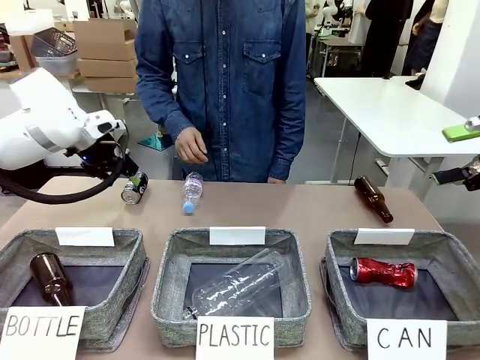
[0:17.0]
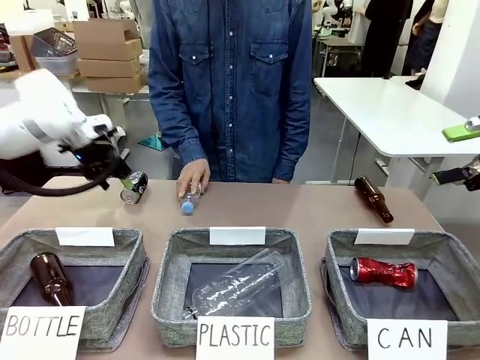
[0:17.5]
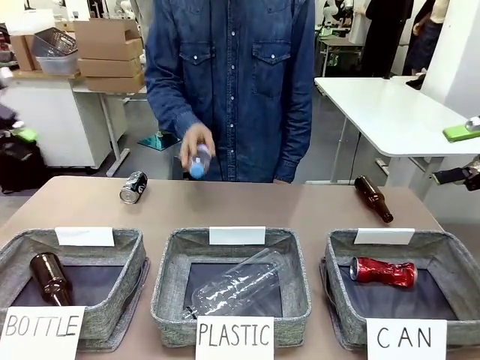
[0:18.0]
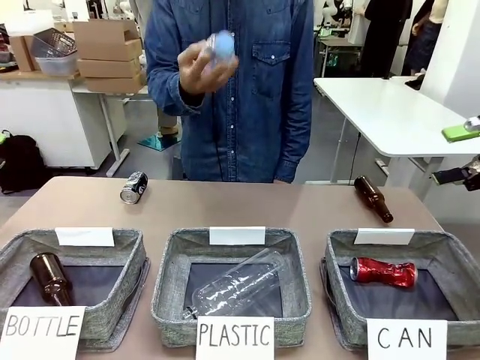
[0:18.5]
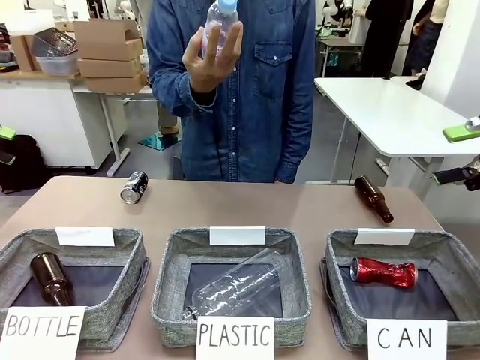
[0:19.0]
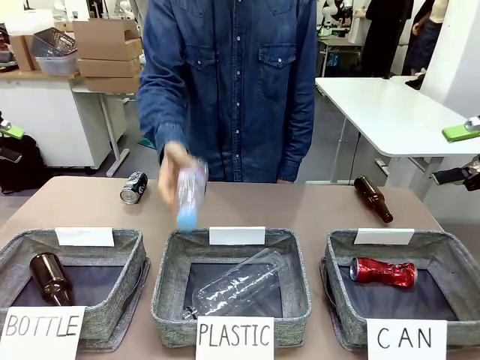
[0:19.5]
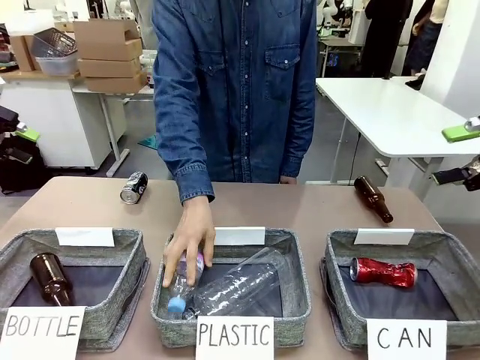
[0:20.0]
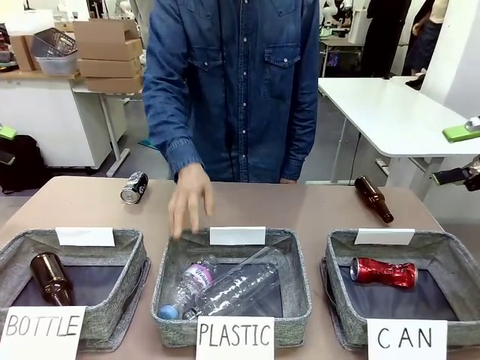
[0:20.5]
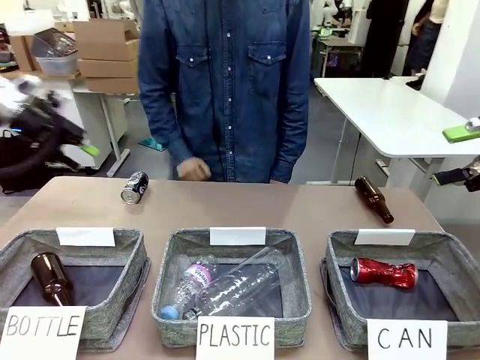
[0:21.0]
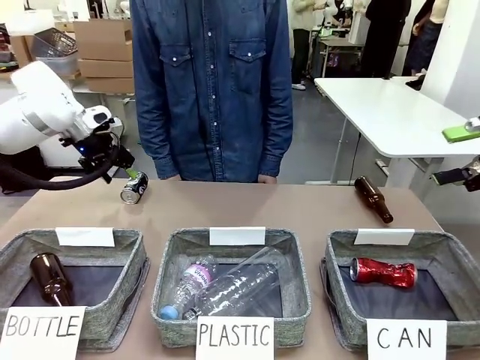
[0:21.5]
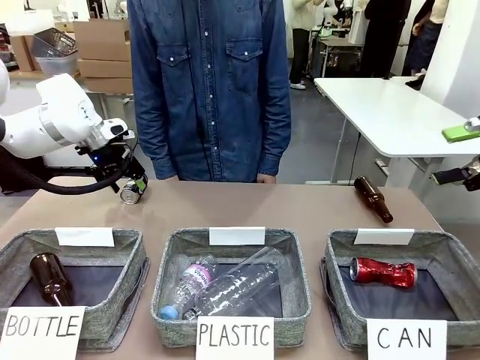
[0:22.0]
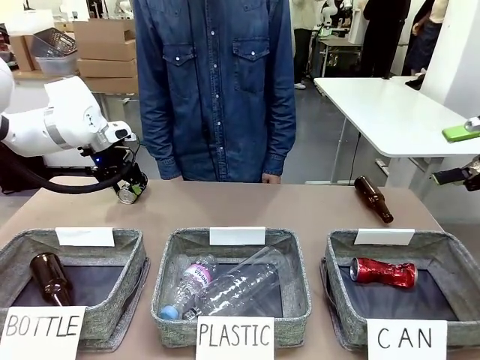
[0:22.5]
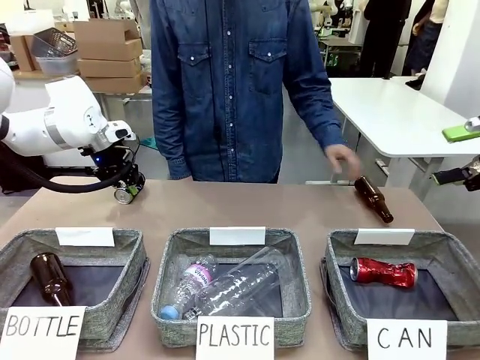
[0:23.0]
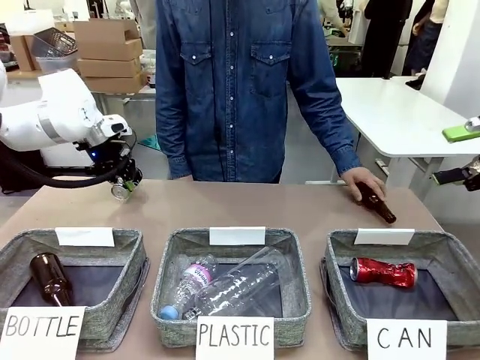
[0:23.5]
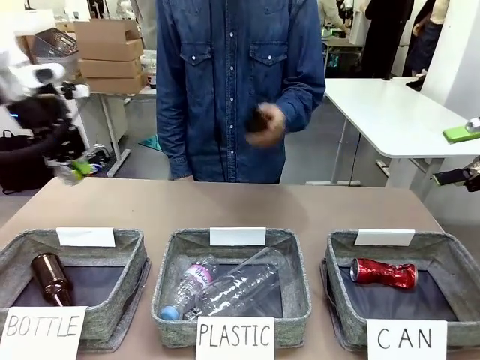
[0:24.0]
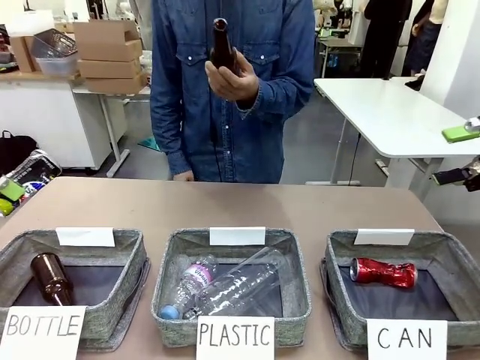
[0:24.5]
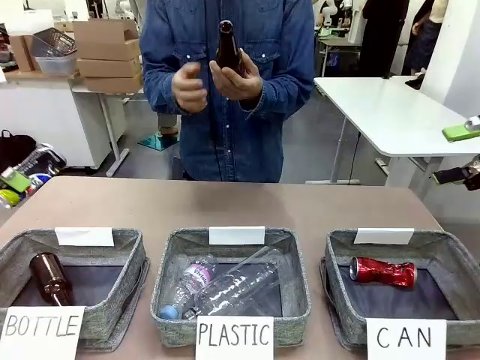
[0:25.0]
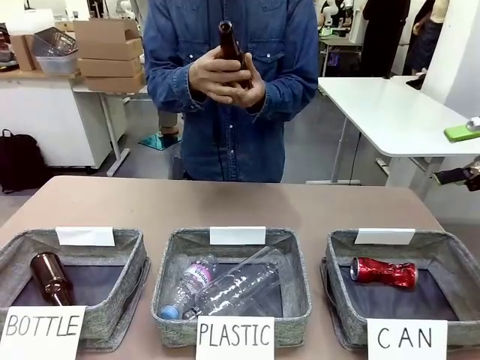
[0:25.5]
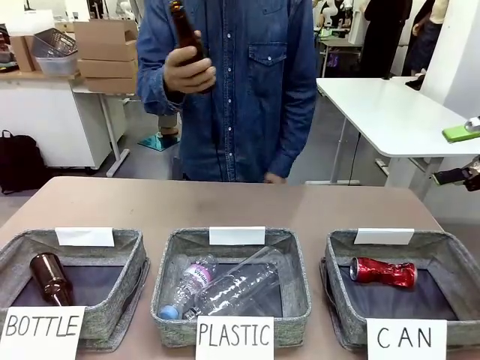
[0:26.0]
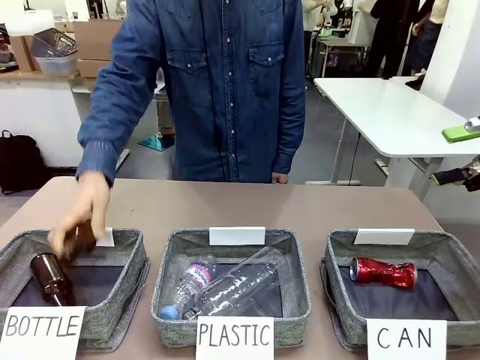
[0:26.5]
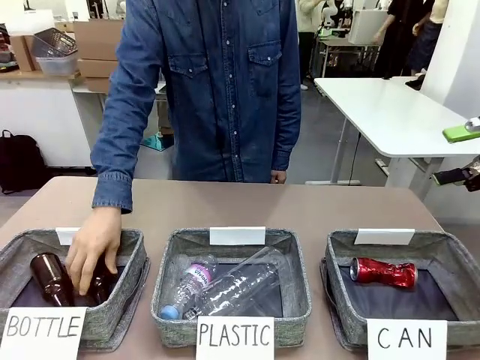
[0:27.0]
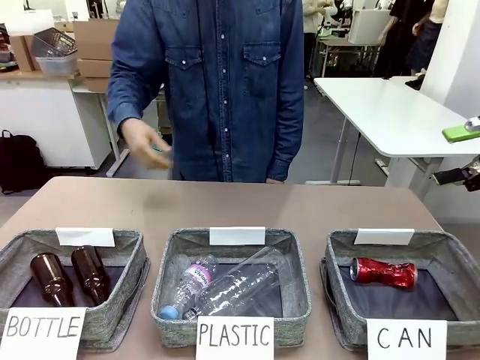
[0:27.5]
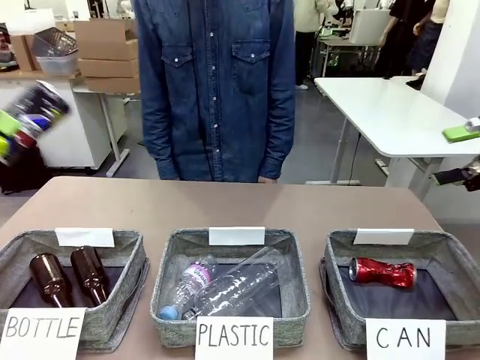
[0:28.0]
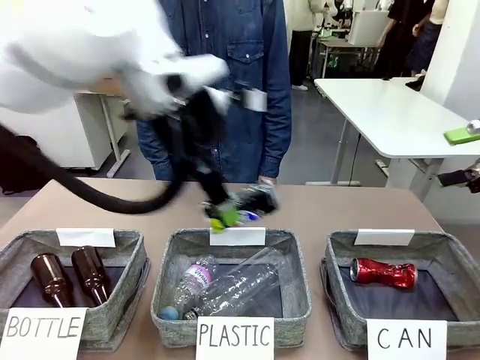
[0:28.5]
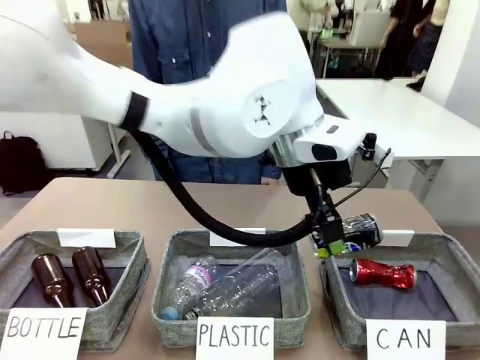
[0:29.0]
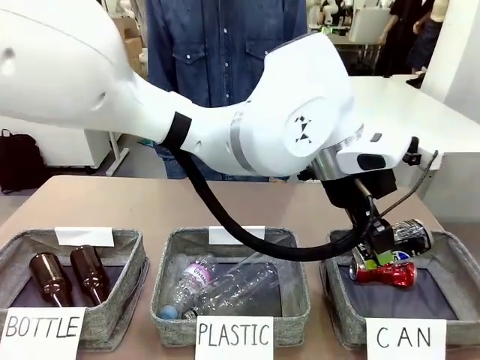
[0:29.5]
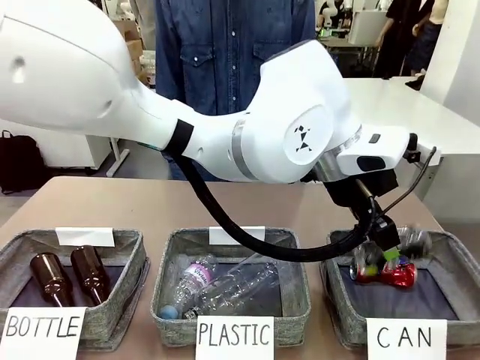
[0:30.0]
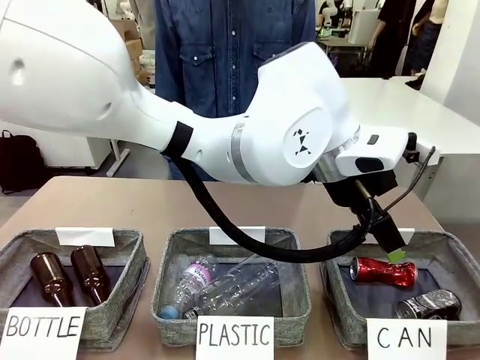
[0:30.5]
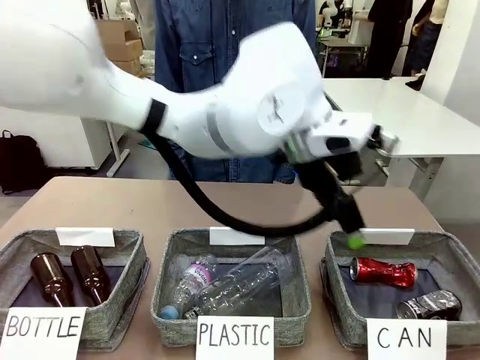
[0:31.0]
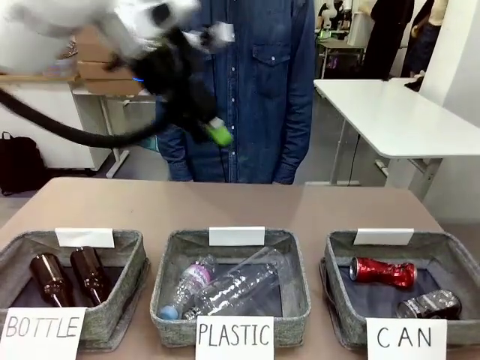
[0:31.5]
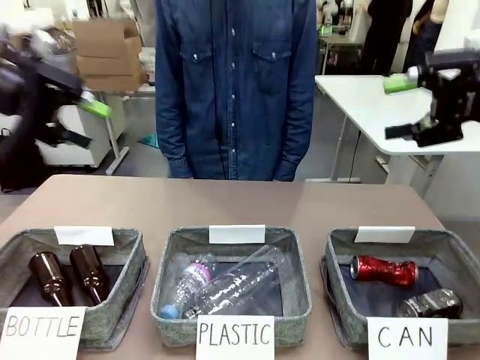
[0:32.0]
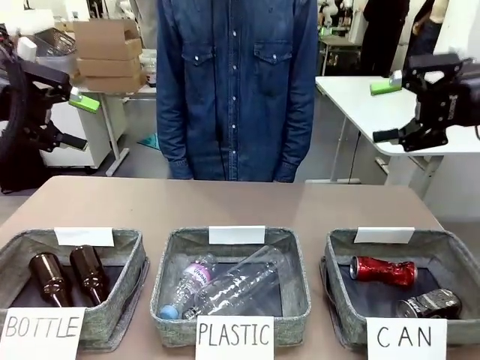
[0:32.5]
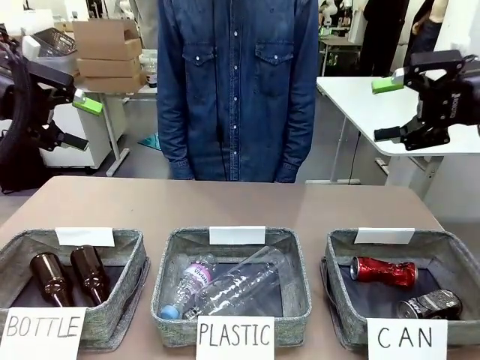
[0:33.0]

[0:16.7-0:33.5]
Task: Sort the can waste into the basket.
Robot: Pick up the can waste from the table and place it in the right Fabric basket.
Person: The human picks up one piece of trash that is not a can and places the trash into the appropriate organizing basket.

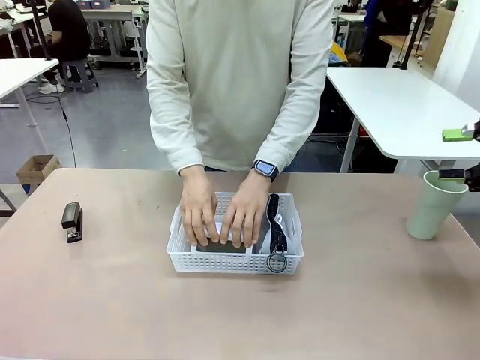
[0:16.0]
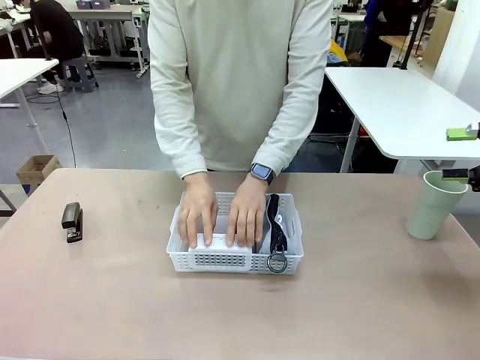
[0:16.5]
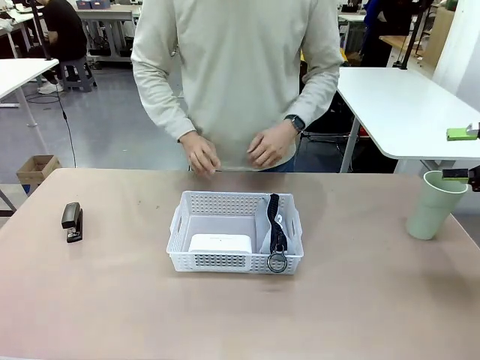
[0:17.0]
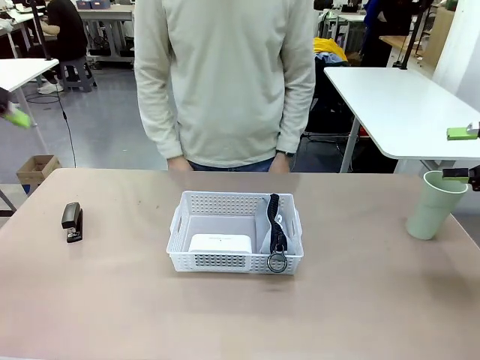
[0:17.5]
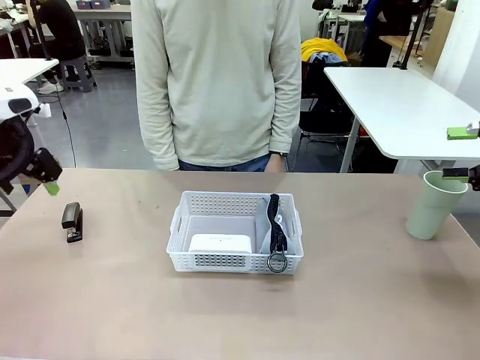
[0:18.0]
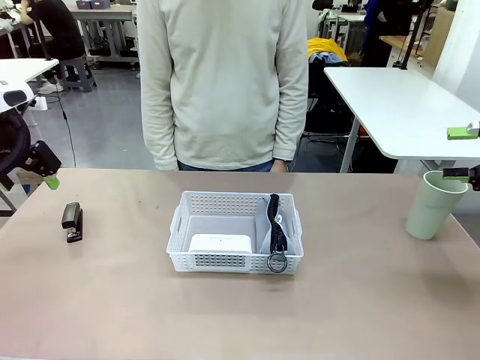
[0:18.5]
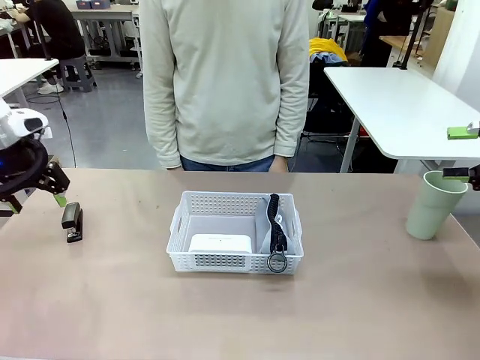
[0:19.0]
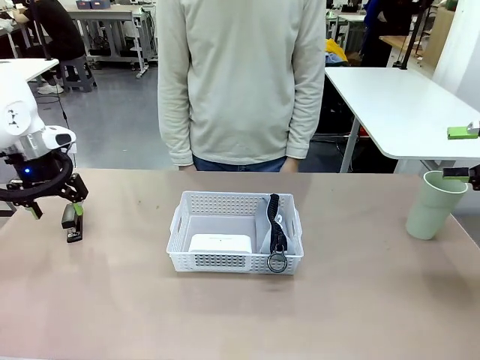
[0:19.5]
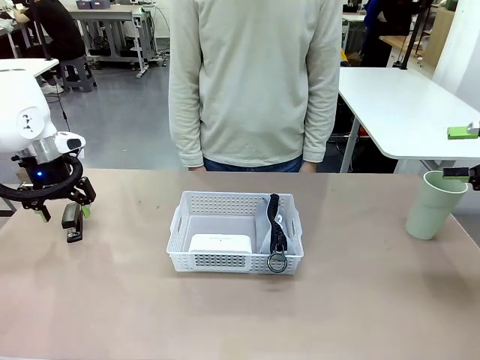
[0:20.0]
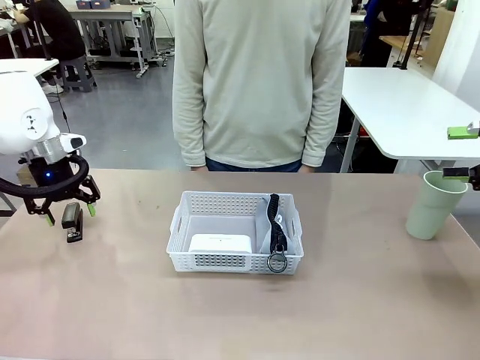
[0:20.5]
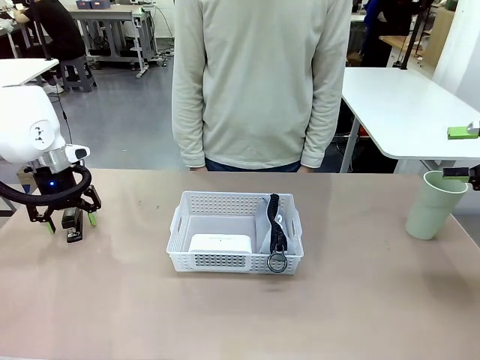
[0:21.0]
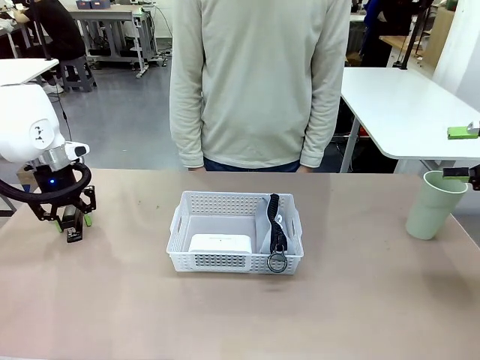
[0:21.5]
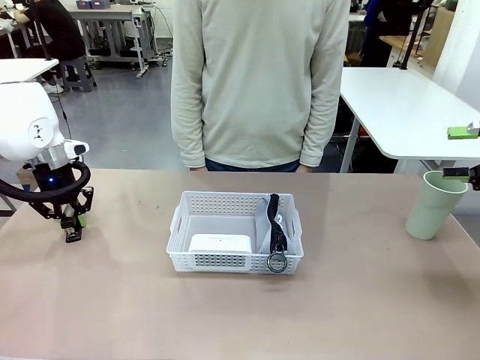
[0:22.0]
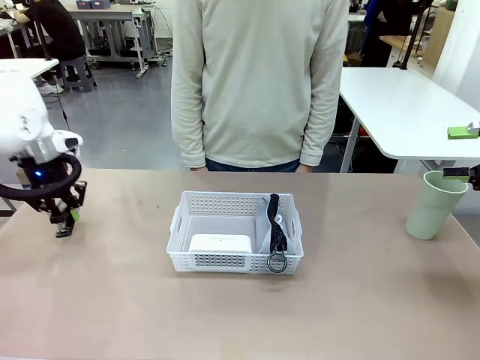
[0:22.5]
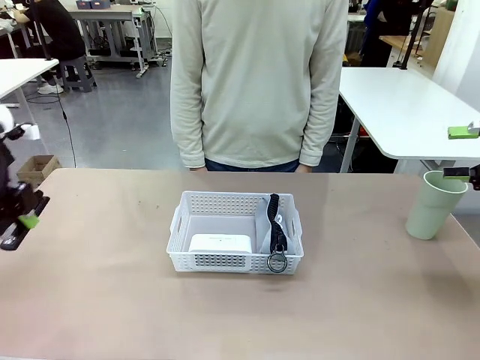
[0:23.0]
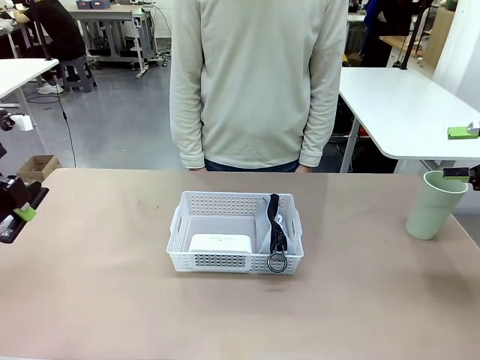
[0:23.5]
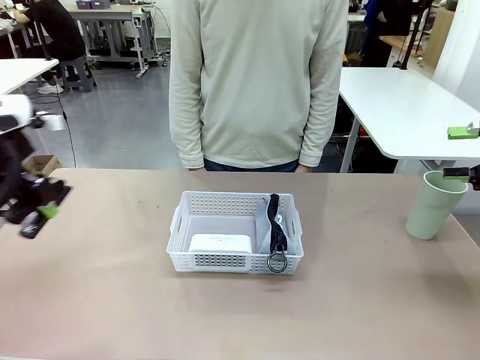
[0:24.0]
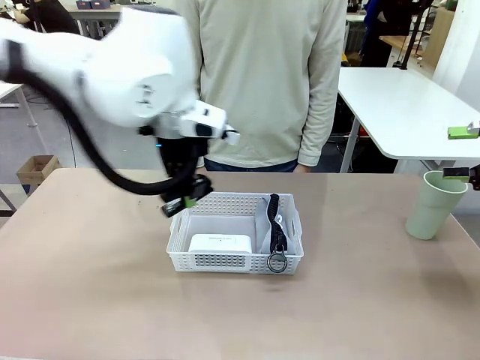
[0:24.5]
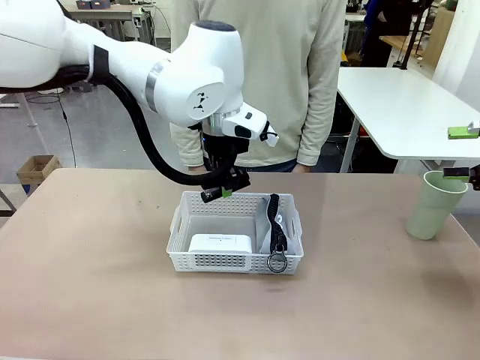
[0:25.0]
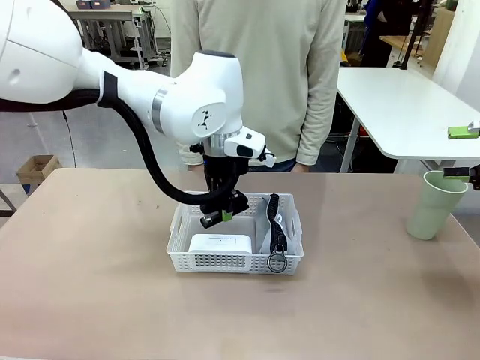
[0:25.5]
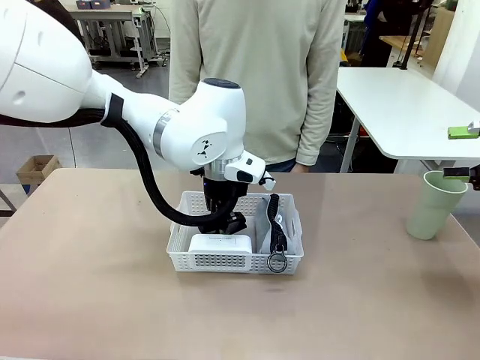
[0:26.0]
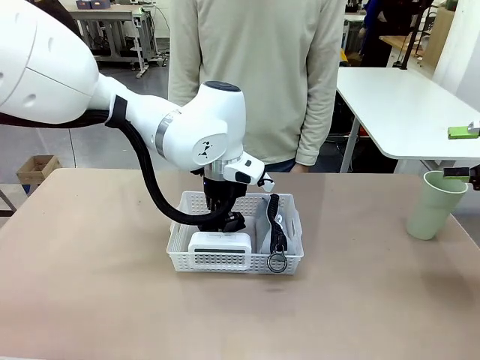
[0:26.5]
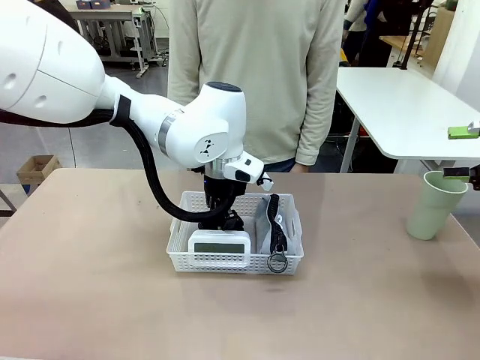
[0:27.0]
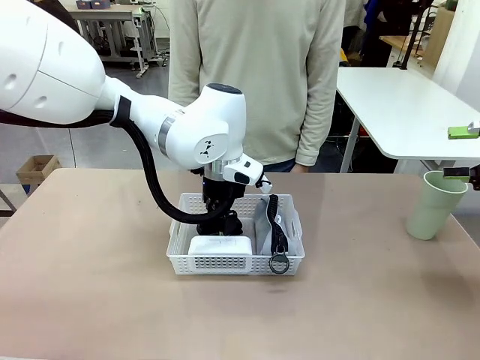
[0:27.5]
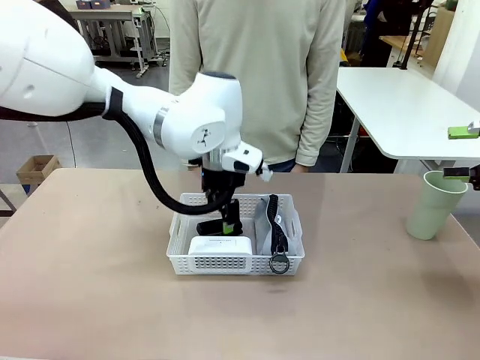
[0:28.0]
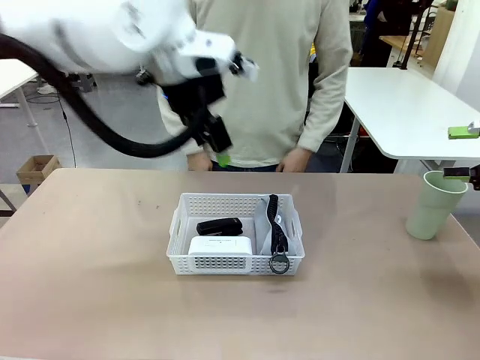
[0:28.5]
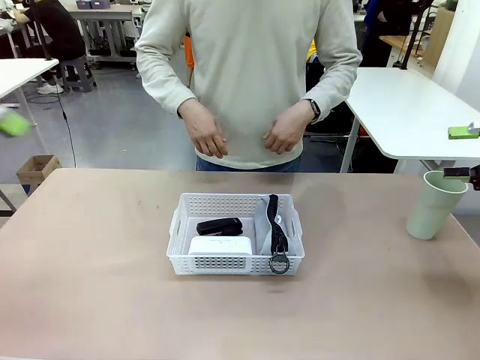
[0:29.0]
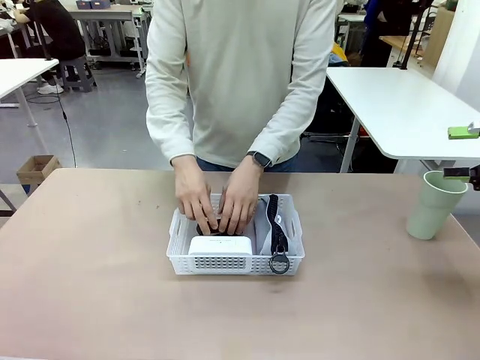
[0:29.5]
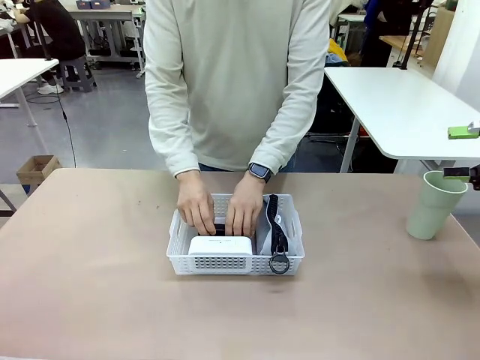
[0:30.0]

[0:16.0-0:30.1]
Task: Efficiently arrange items inside the basket to fit them all.
Robot: Pick up the Stapler and place it inside the Organizing basket.
